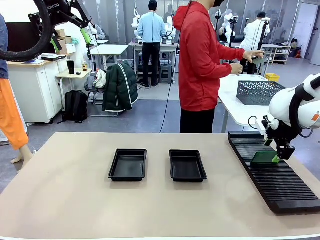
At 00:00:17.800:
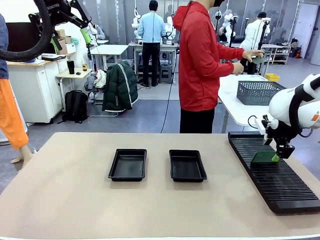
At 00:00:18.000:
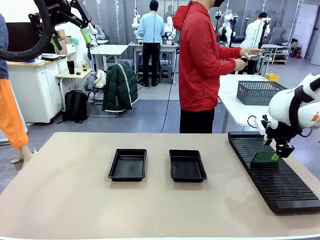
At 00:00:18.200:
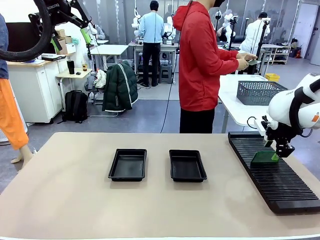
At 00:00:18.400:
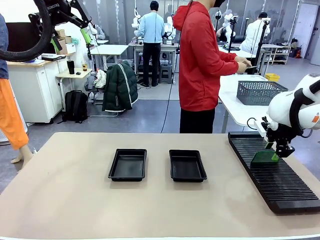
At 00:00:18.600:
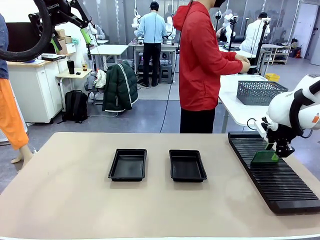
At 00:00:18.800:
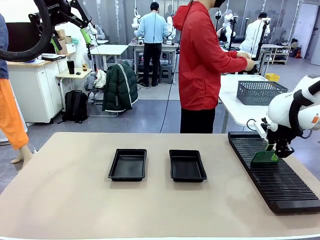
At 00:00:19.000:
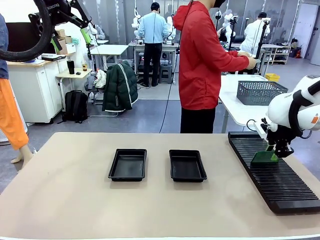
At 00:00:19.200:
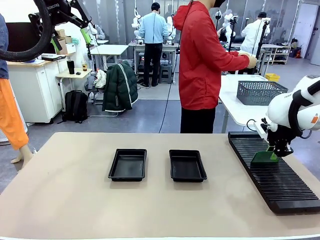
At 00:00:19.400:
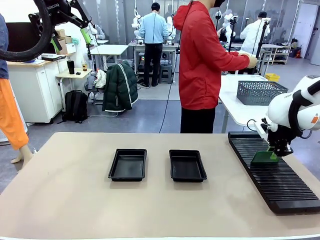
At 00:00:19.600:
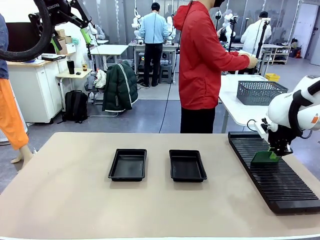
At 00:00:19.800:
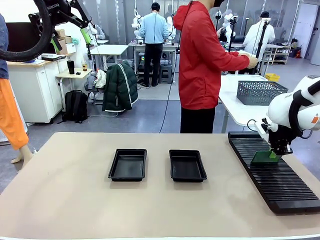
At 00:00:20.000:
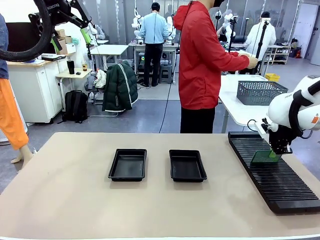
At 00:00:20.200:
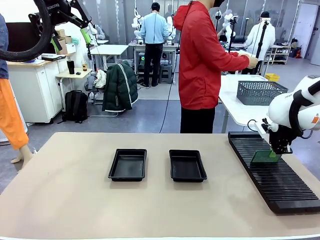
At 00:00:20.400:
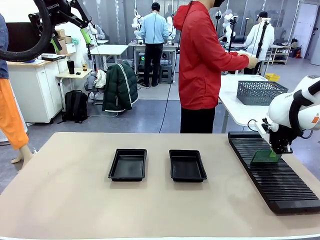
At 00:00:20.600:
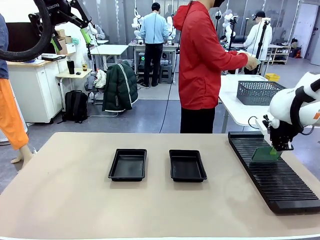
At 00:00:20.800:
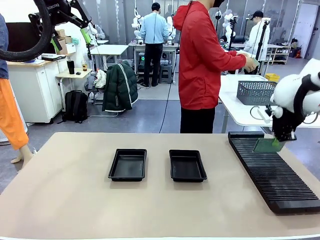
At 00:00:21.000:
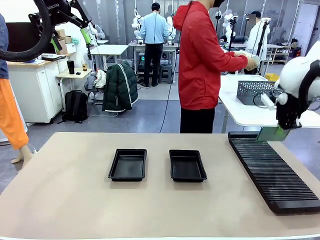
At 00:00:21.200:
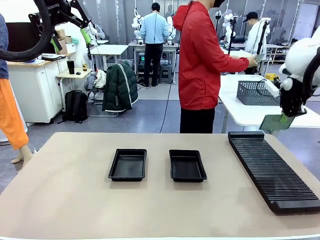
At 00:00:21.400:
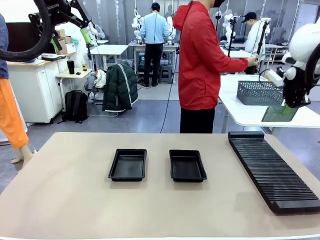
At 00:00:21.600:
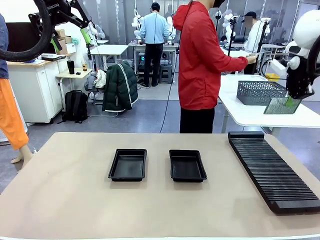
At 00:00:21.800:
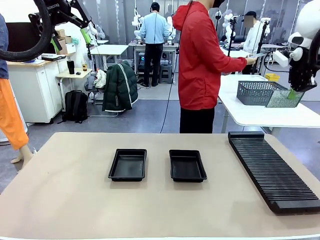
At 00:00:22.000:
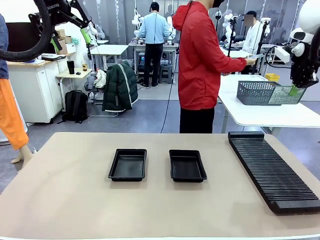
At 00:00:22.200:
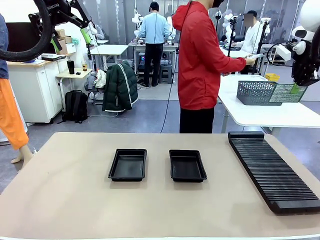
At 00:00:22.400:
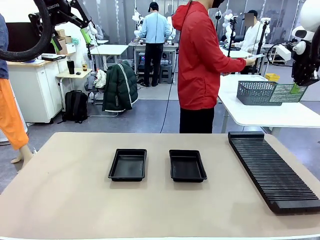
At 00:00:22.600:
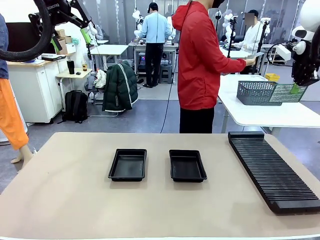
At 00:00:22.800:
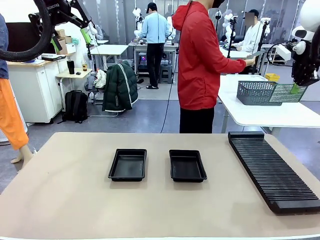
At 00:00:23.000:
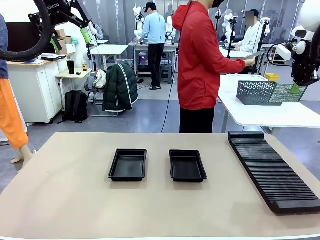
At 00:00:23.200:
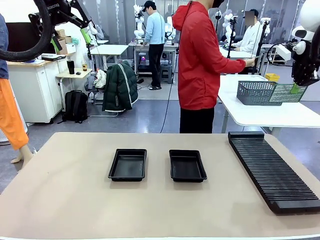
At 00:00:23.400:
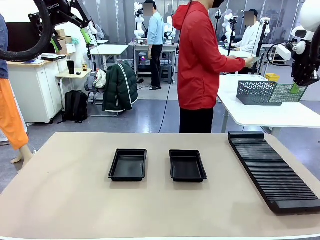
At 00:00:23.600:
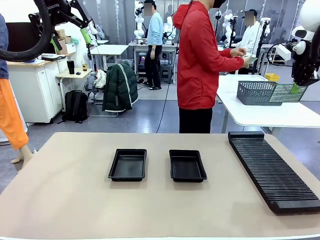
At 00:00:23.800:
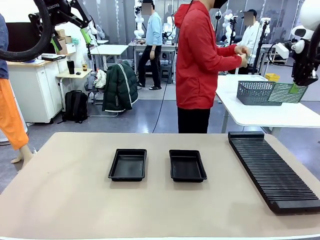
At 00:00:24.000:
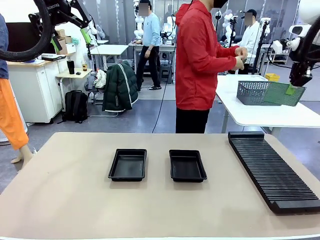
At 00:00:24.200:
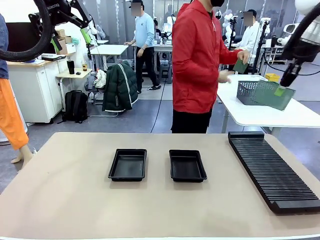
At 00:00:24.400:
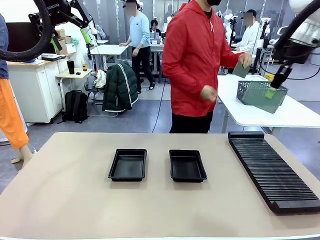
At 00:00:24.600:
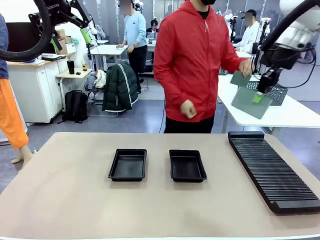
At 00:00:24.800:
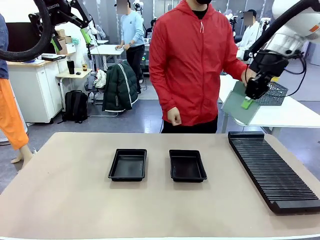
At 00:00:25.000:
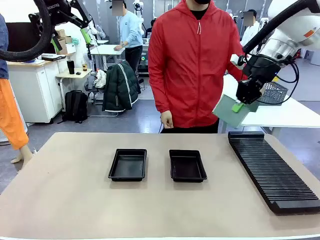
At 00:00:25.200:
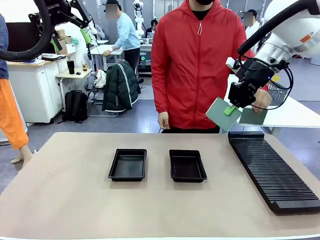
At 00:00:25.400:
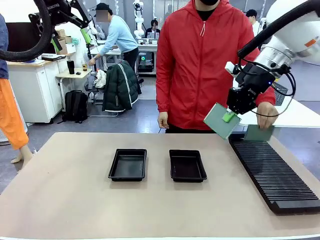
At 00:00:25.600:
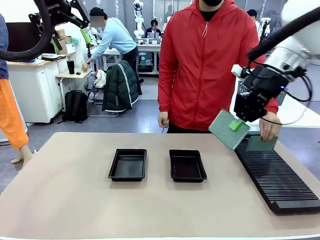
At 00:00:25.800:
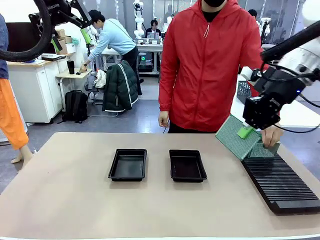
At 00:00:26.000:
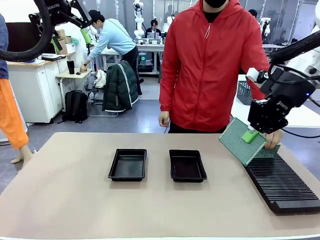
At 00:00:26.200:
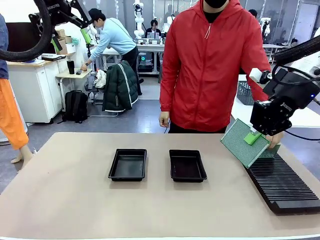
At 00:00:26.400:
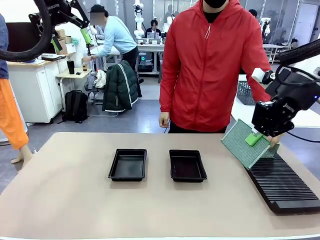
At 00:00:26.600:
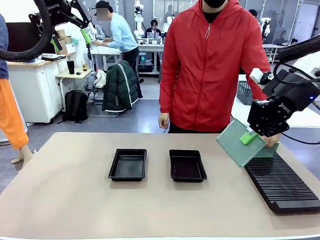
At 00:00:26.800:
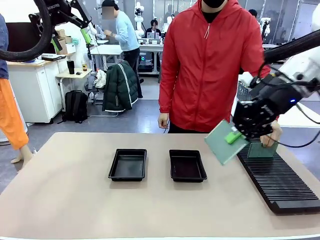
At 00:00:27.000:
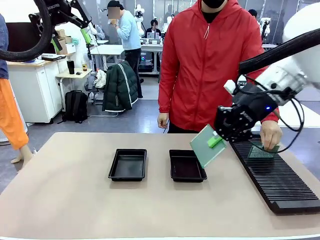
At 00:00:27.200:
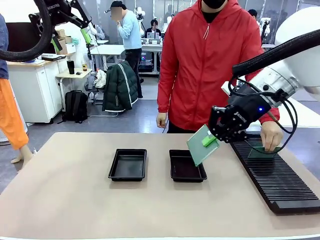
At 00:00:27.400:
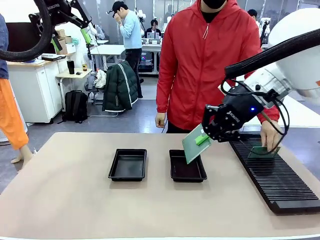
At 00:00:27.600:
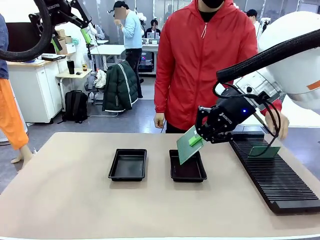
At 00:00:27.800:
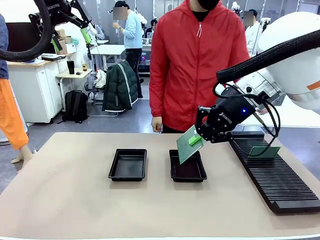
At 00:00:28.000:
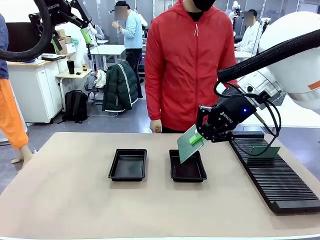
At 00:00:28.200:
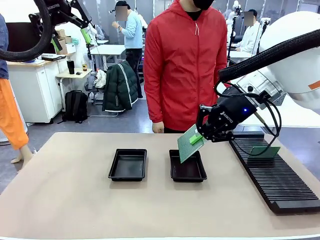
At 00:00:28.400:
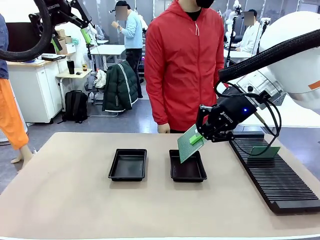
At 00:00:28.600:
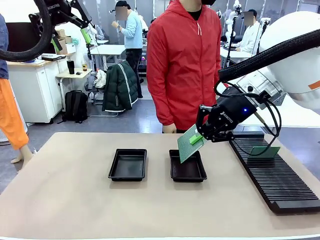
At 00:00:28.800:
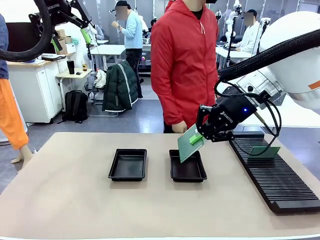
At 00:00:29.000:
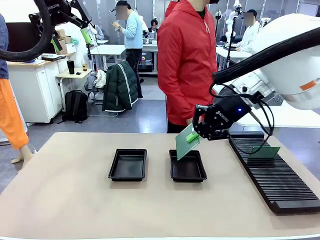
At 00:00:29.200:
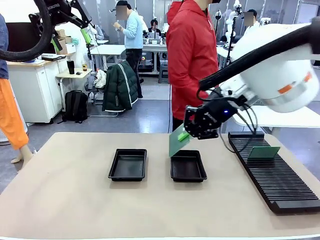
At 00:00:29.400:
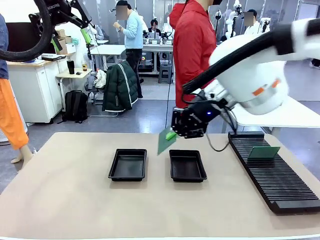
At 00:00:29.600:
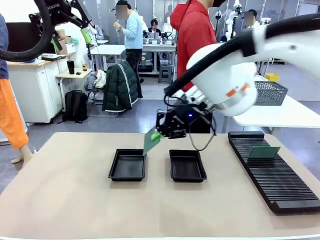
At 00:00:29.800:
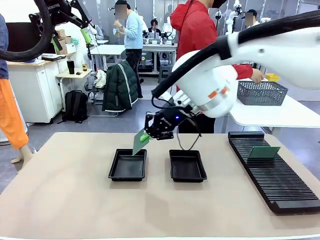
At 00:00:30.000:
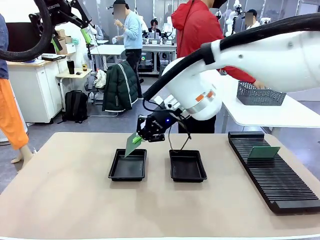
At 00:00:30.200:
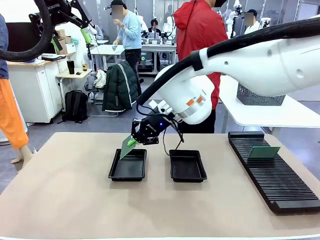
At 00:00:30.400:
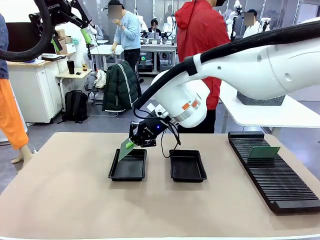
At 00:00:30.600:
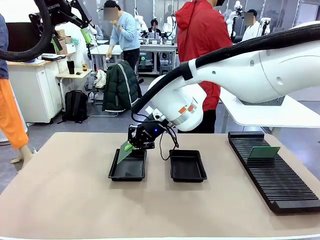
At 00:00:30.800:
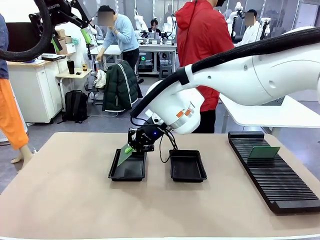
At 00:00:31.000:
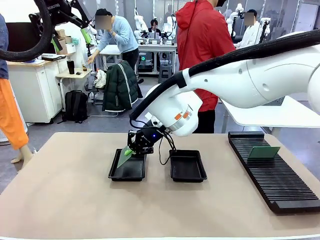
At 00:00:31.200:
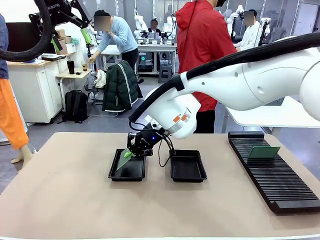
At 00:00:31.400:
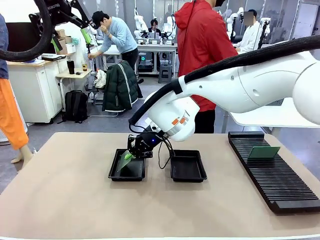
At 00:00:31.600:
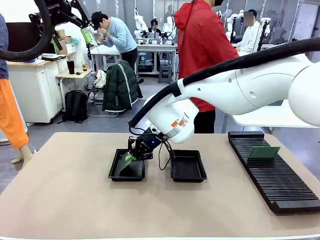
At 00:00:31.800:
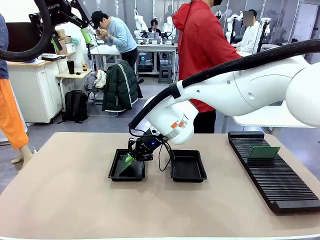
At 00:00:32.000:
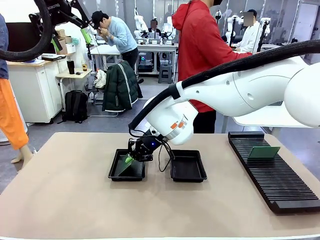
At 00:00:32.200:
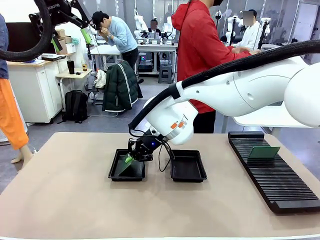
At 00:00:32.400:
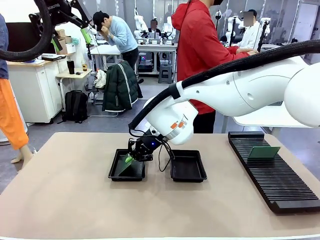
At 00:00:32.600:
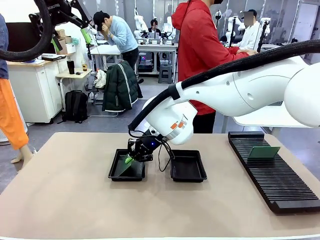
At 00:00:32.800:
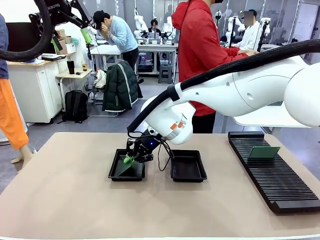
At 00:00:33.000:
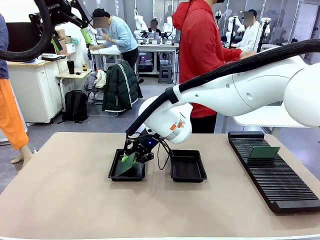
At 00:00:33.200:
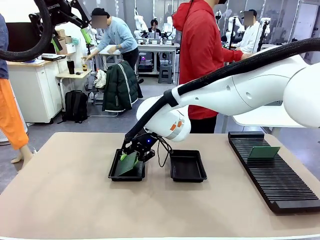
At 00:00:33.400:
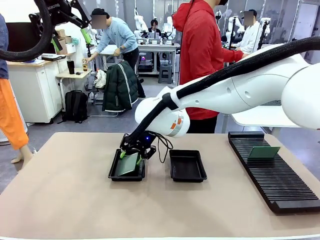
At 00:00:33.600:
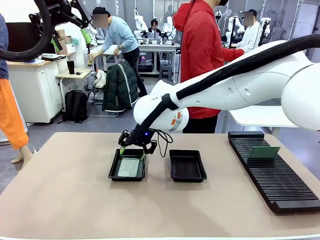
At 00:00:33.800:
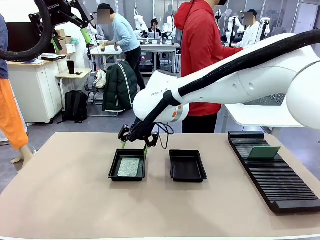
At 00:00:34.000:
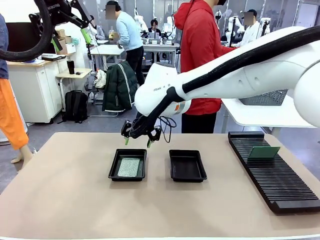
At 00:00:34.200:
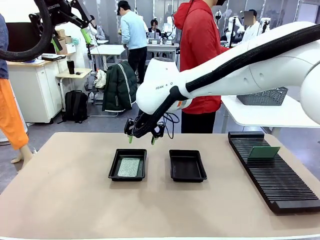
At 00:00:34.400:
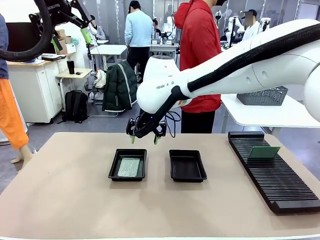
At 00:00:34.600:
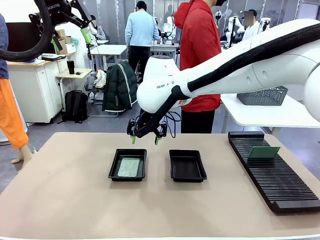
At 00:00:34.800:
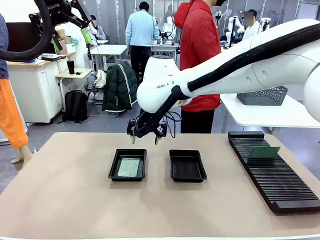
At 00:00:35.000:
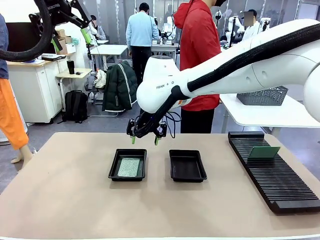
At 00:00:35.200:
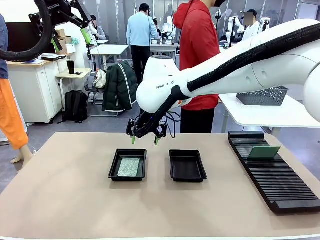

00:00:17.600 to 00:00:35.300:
Task: Inspect and transfer BCBs to ESD trays.
Robot: Pick up the Blank PCB from the PCB Rack and place it in the left ESD tray.
